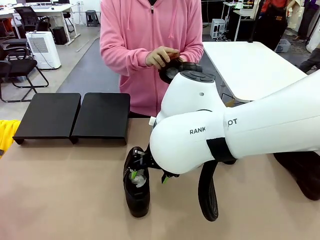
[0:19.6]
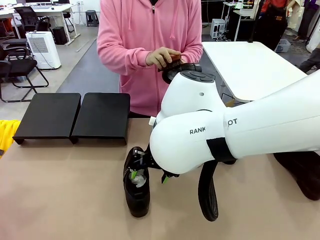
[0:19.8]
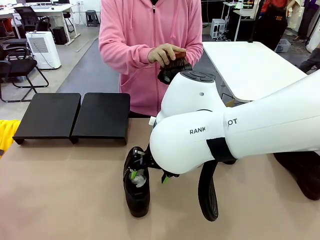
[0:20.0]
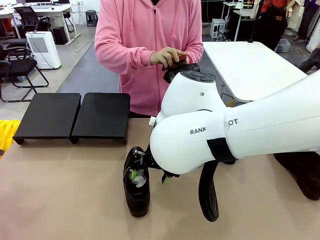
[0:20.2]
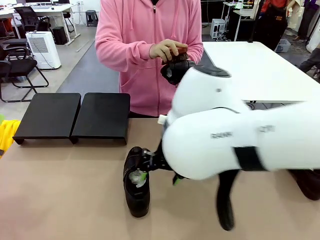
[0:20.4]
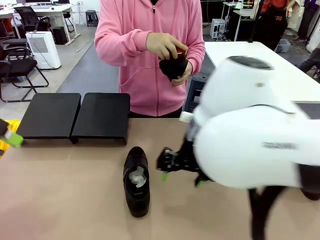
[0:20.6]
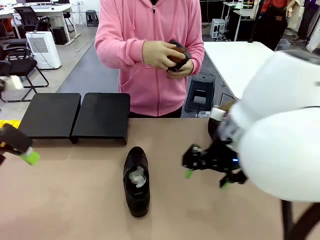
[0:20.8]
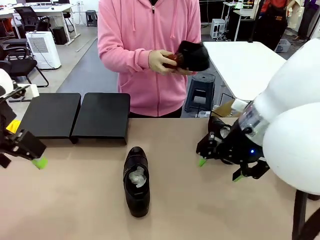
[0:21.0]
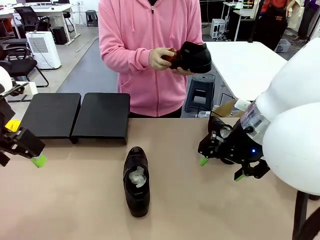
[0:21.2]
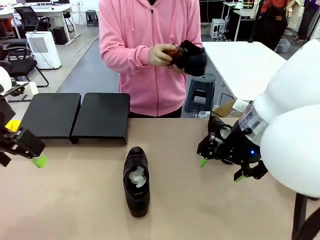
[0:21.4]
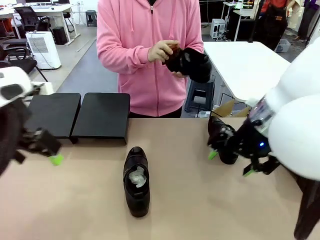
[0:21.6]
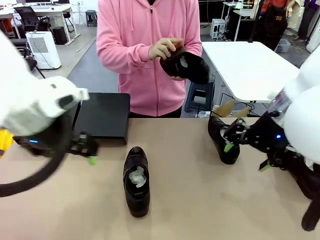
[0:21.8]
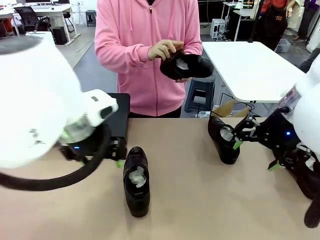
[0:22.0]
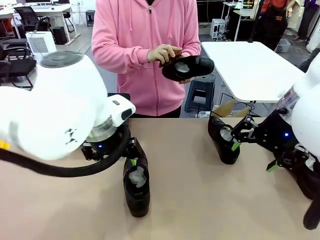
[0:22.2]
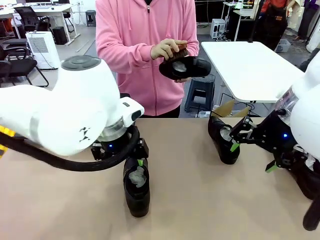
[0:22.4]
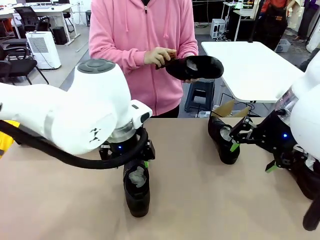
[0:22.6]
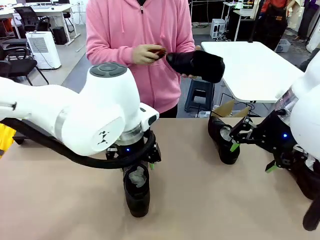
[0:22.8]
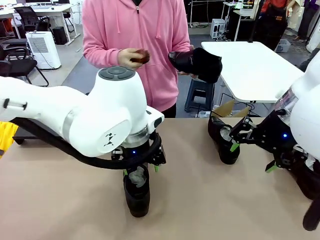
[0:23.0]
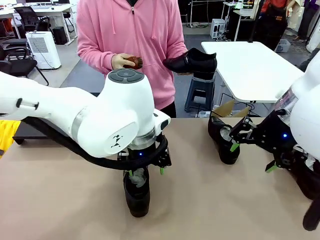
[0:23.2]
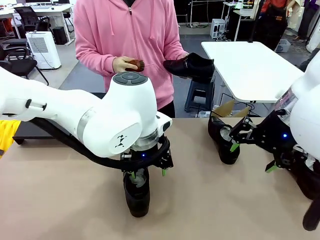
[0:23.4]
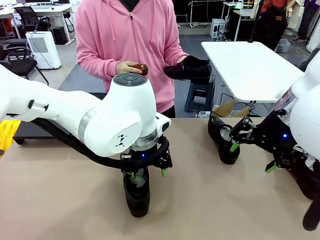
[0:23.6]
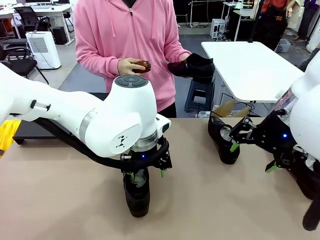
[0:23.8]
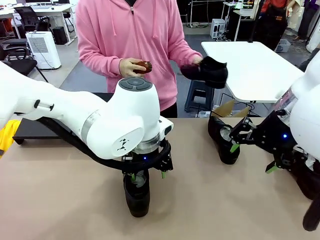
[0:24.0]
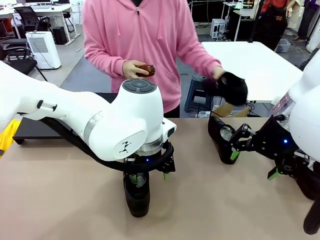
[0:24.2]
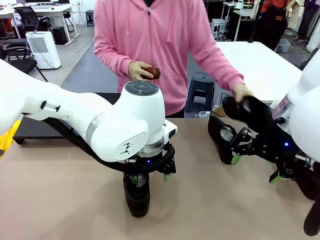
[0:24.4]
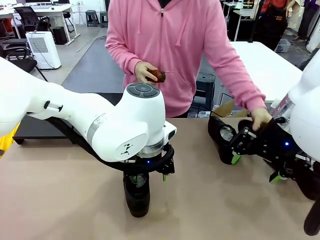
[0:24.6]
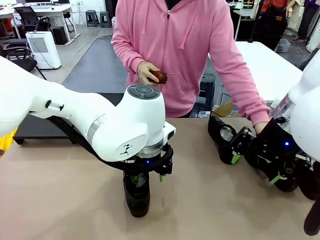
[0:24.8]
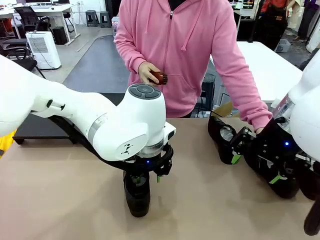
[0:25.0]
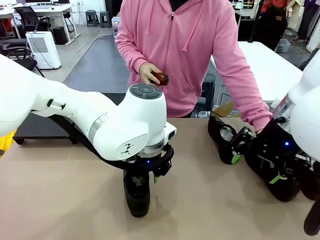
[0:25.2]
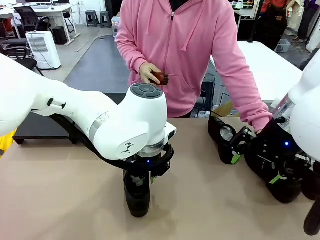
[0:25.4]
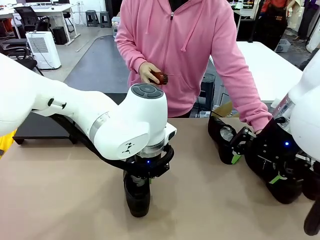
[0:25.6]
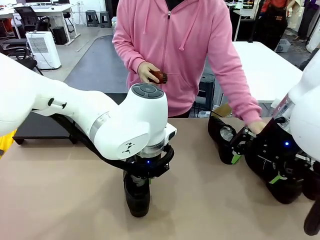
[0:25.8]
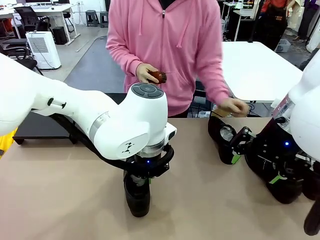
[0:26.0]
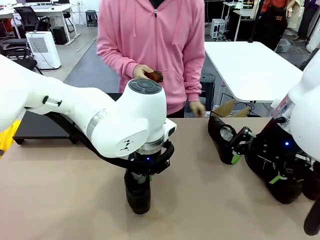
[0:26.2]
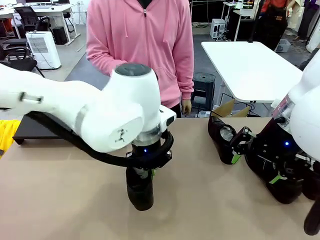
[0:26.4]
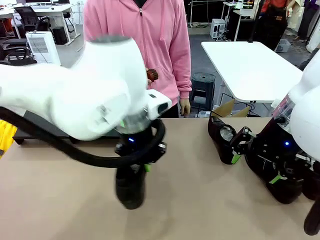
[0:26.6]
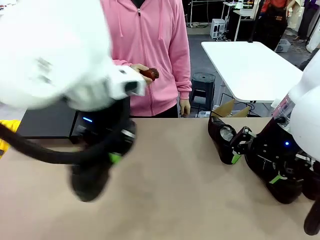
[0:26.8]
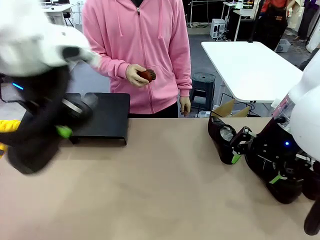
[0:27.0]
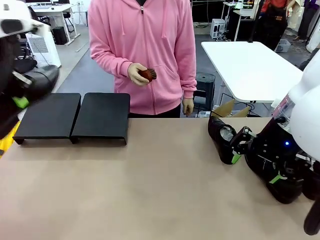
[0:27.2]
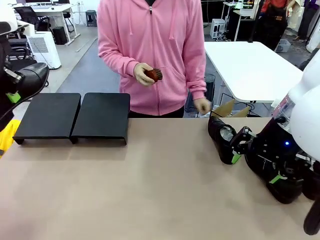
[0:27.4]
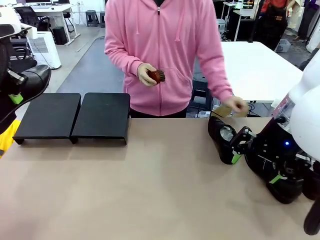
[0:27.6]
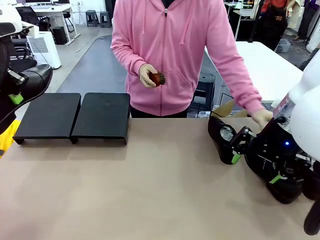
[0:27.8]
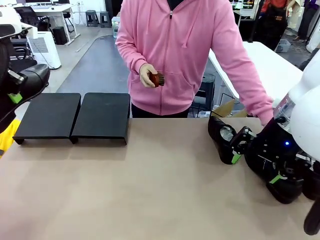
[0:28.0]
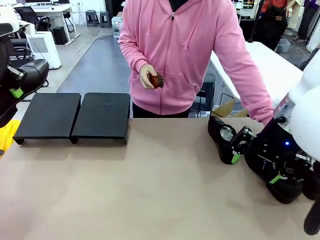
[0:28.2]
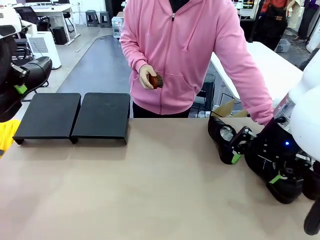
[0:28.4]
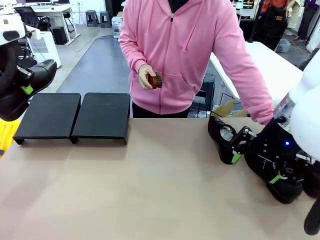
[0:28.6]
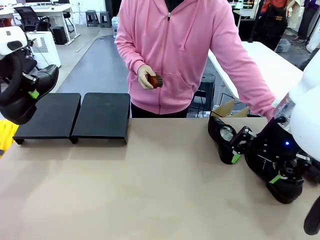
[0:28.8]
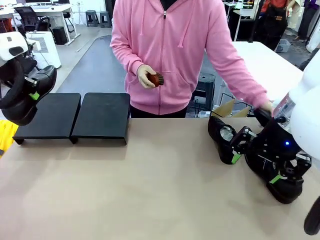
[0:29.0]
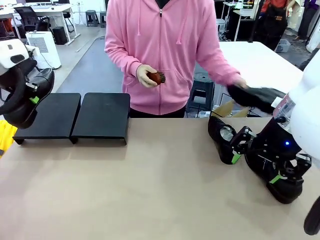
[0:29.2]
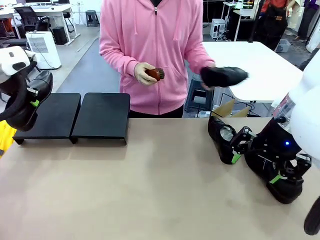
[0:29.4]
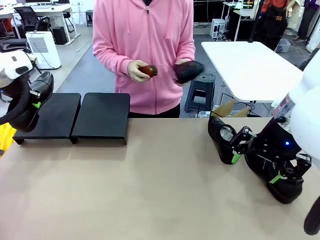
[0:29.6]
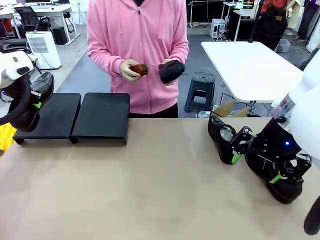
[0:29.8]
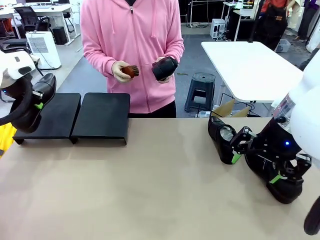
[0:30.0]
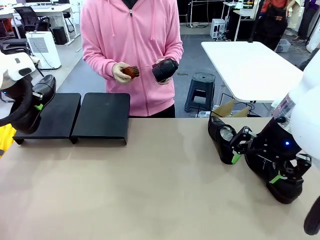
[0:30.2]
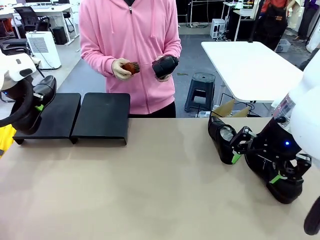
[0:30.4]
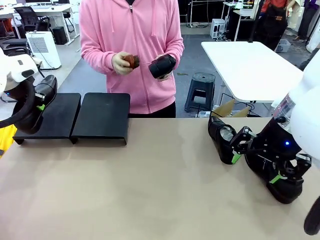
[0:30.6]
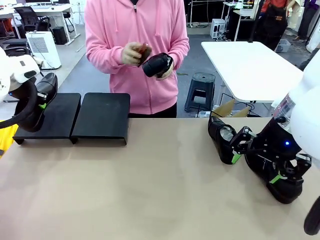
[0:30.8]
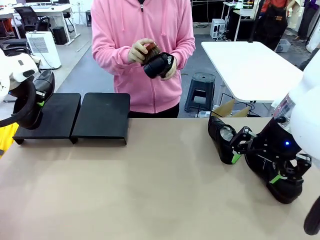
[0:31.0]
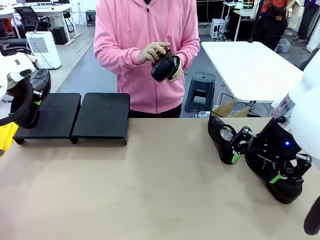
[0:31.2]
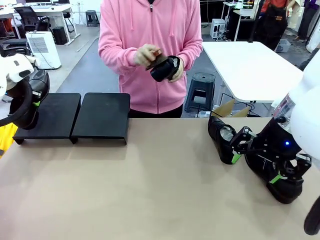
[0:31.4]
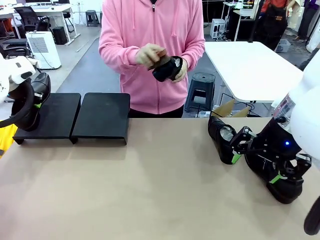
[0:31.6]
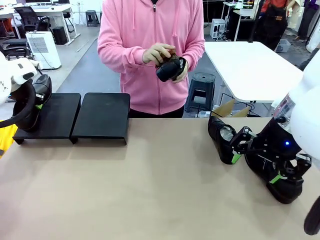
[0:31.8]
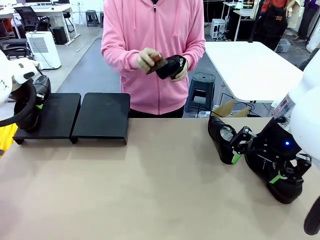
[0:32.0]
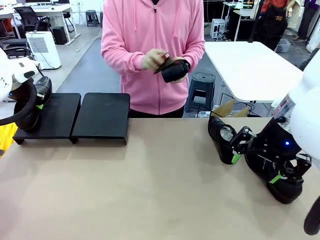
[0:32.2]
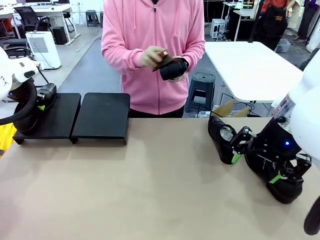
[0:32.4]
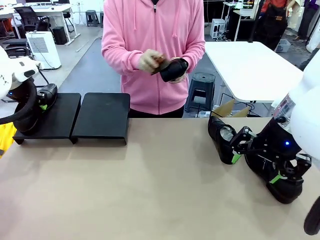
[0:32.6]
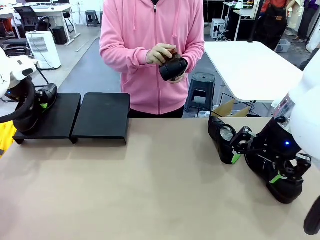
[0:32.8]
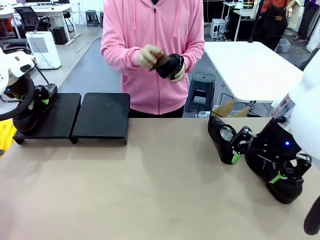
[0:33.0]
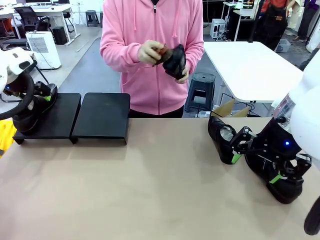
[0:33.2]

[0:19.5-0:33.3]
Task: Organize the shoes by placing them on the stand.
Robot: Place the Shoe from the middle of the table onto the Shoes Stand.
Person: Place the Shoe on left side of the Robot's table. Pick one Shoe on Robot's table.

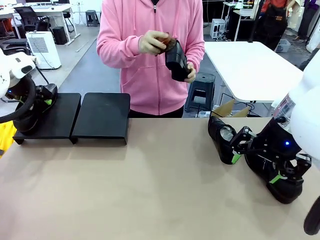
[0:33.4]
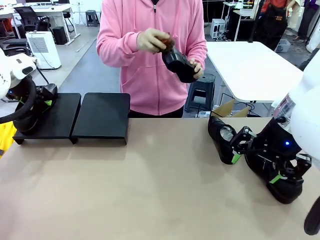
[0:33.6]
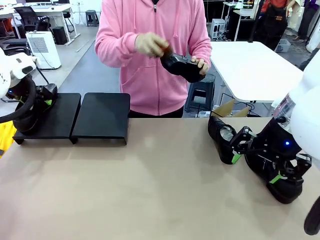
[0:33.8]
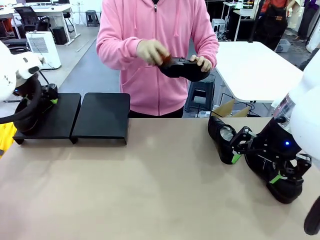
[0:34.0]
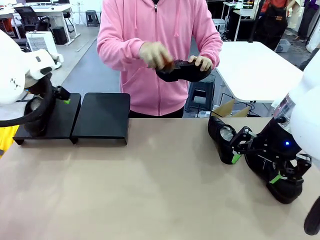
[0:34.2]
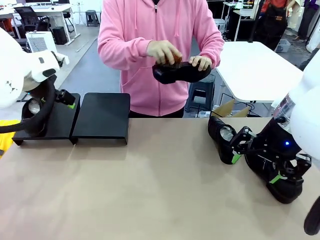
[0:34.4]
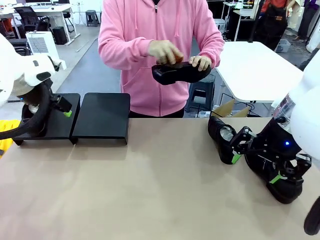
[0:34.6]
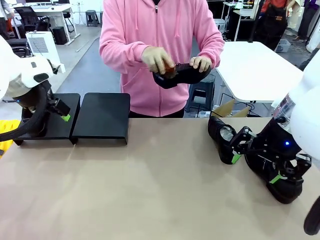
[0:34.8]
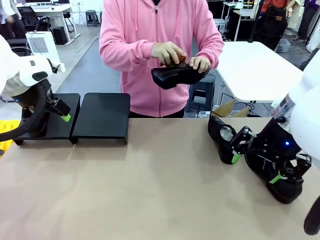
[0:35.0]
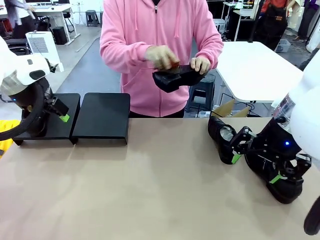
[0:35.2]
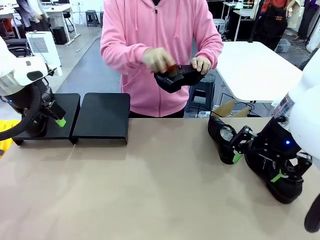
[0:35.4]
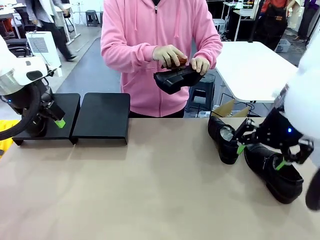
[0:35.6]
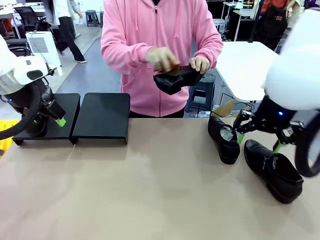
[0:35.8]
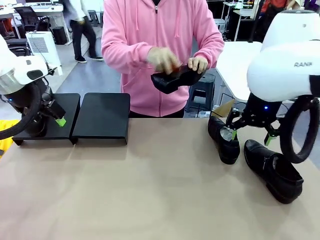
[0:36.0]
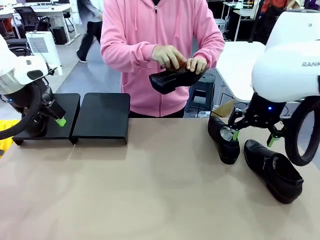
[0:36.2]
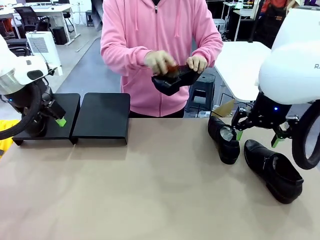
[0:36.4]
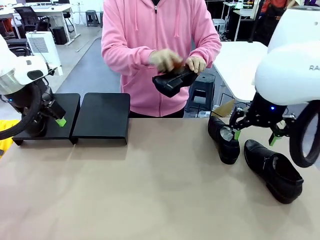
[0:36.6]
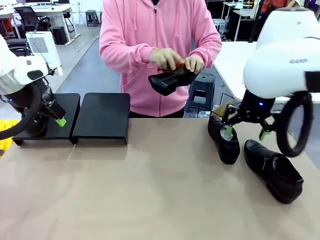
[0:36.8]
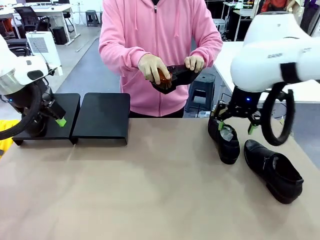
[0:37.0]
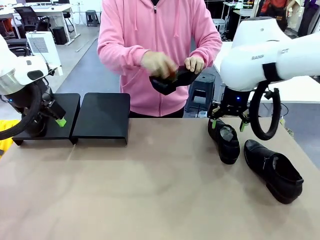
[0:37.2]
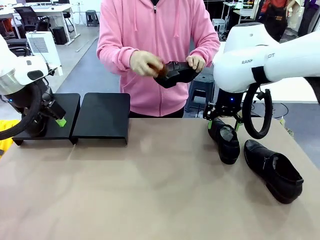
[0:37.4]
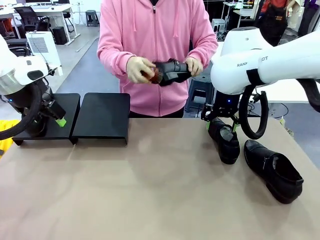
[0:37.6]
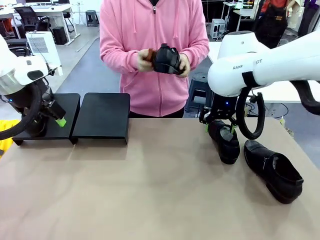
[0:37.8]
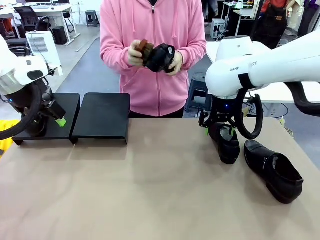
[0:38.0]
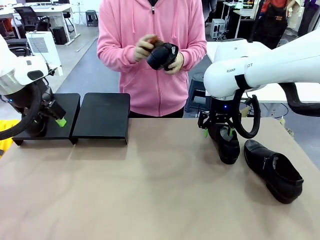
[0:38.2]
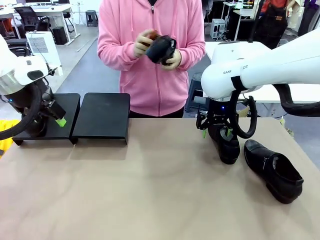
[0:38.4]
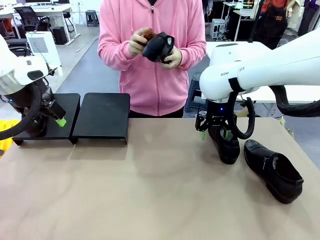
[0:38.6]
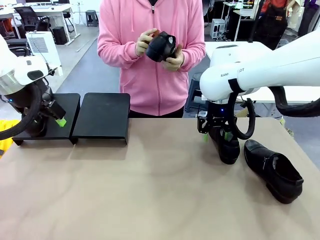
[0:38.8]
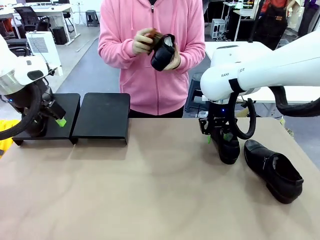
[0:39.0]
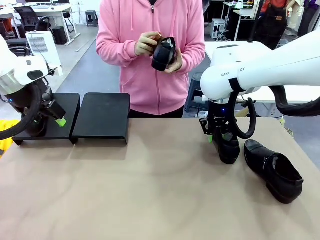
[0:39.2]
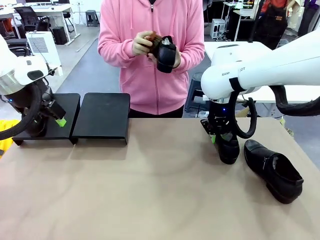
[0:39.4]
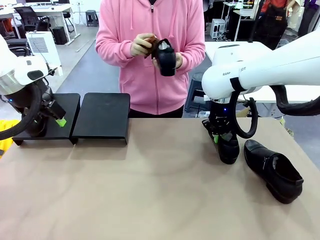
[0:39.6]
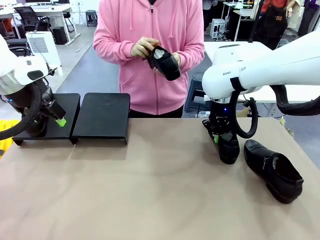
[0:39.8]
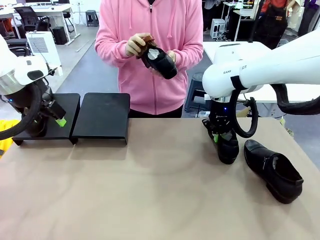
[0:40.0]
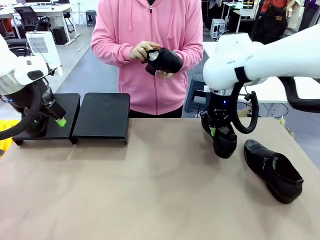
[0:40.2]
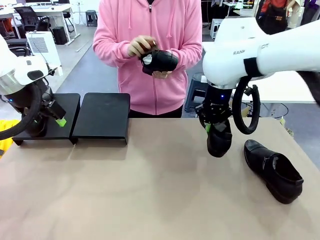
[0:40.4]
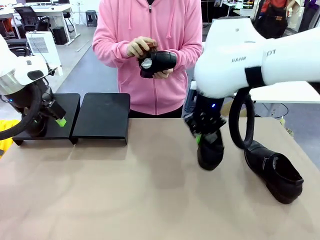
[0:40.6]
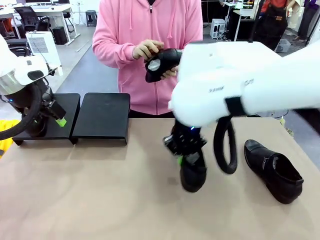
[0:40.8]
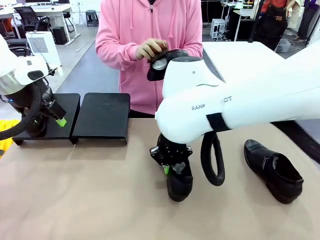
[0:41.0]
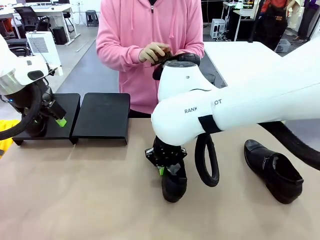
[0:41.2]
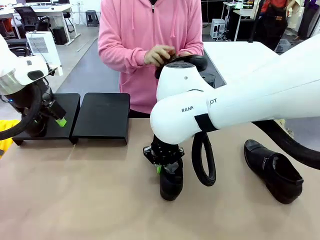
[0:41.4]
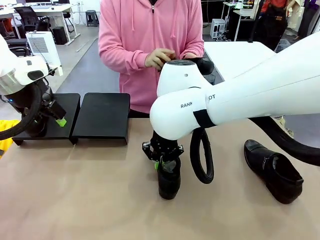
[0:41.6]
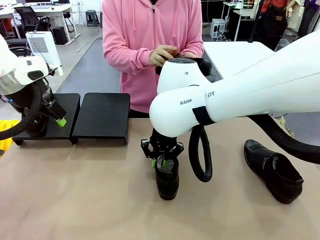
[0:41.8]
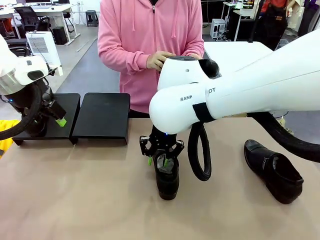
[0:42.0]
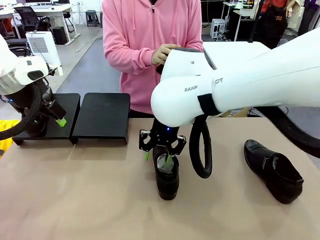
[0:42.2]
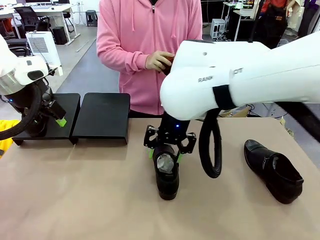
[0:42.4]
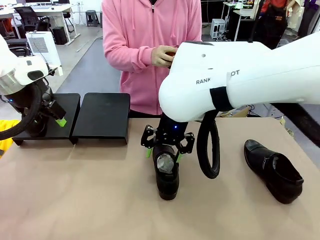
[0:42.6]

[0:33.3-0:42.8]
Robot: Pick up one Shoe and place it in the middle of the table.
Person: Clean the Shoe with the Shoe Brush.
